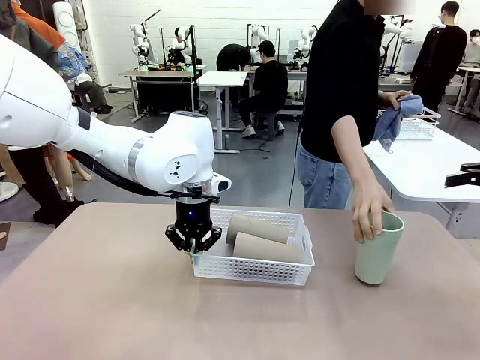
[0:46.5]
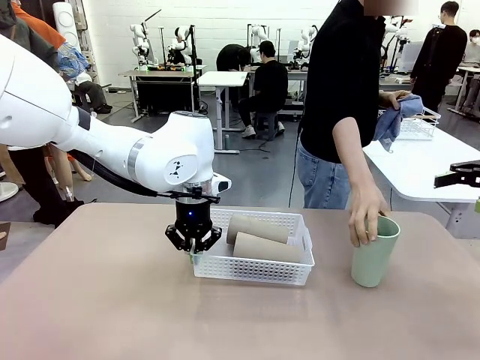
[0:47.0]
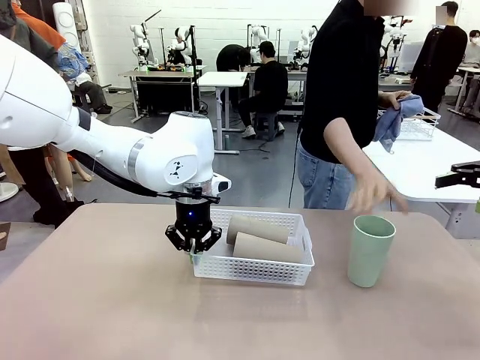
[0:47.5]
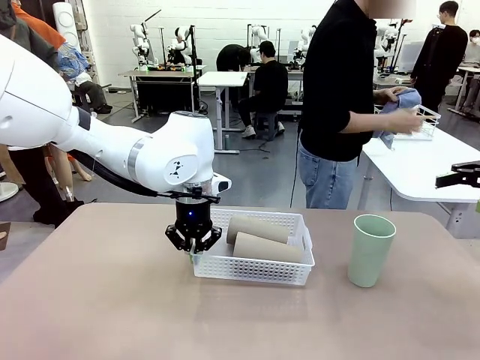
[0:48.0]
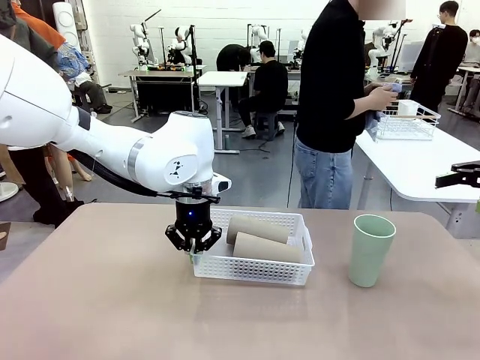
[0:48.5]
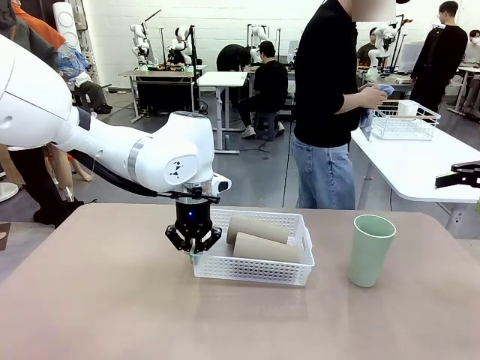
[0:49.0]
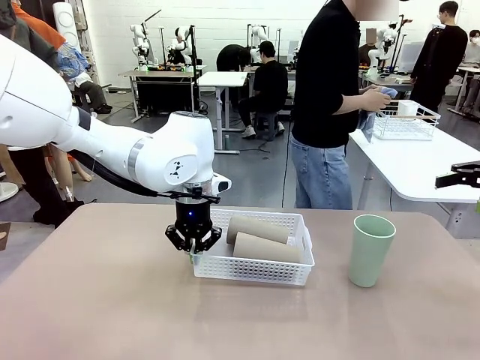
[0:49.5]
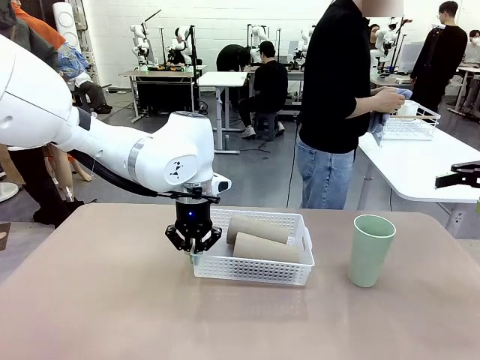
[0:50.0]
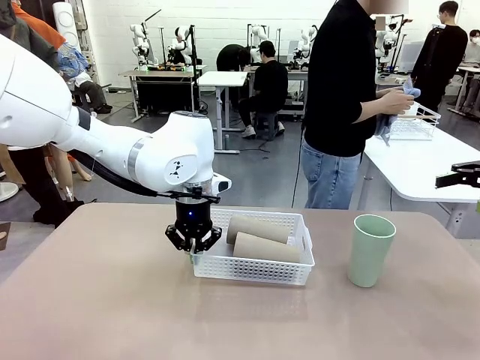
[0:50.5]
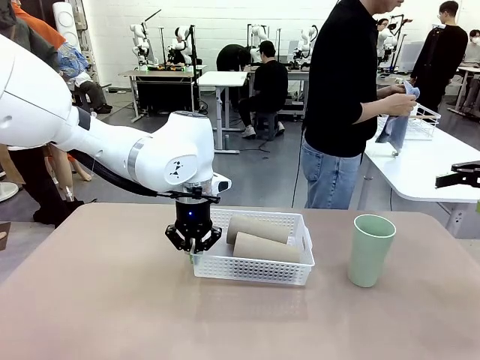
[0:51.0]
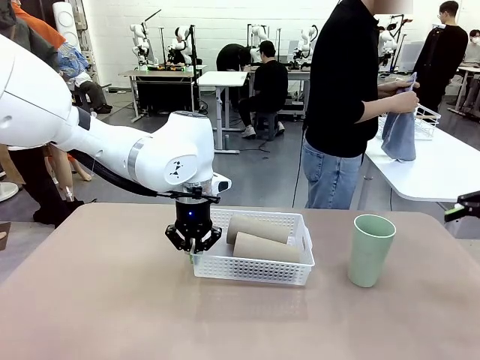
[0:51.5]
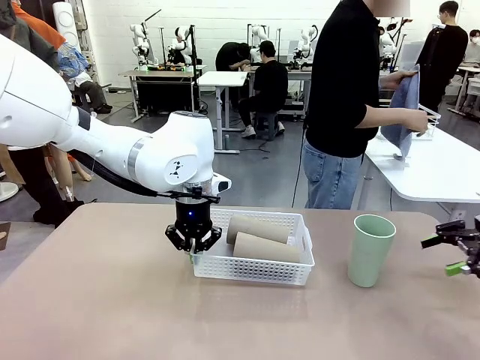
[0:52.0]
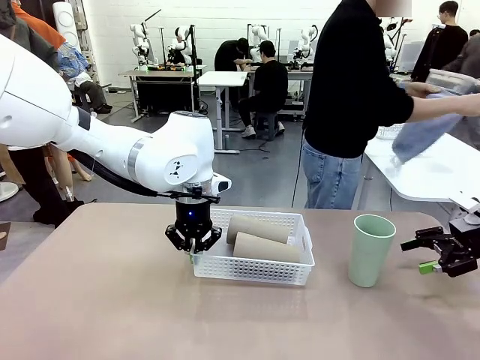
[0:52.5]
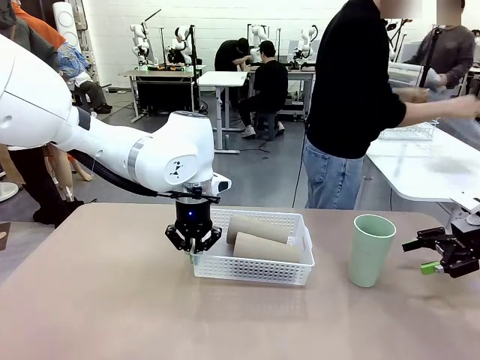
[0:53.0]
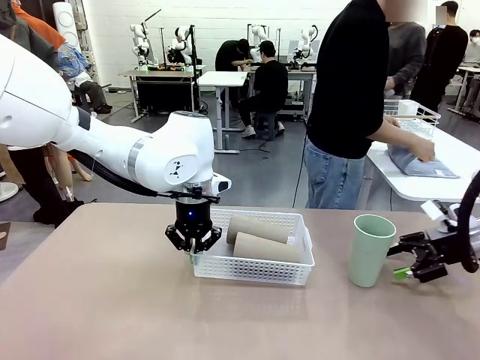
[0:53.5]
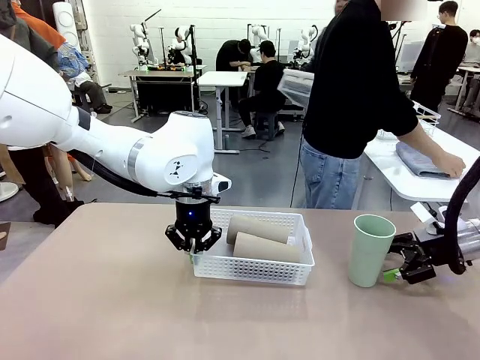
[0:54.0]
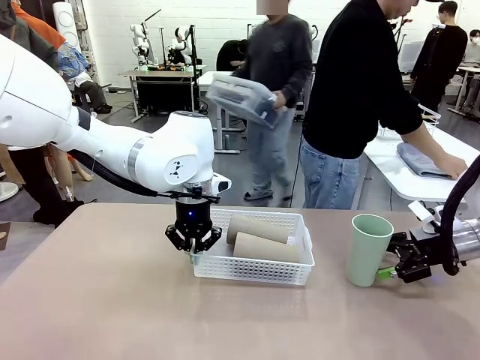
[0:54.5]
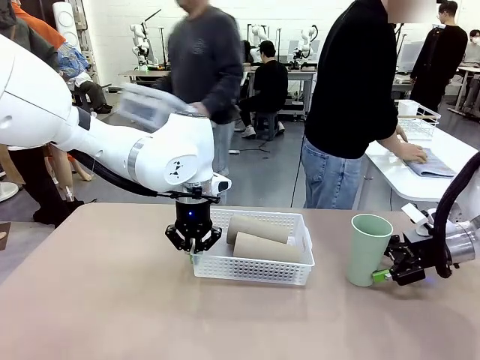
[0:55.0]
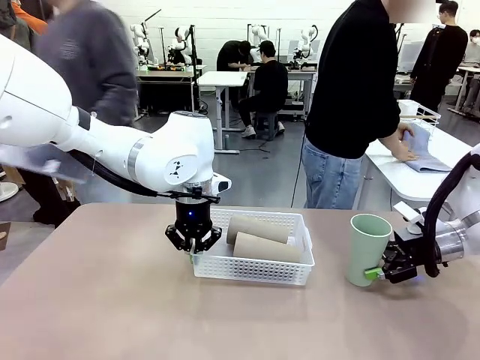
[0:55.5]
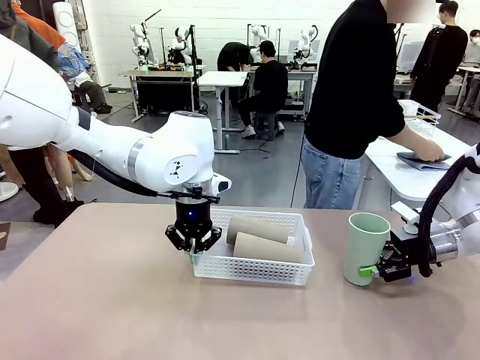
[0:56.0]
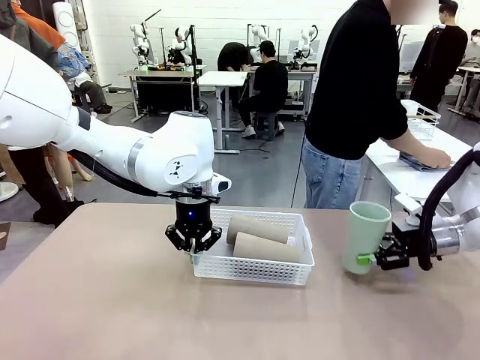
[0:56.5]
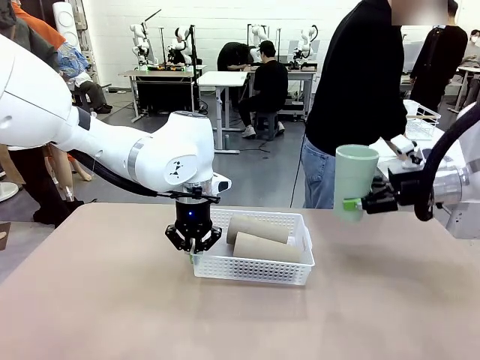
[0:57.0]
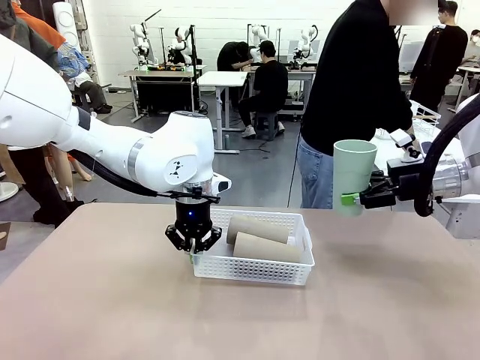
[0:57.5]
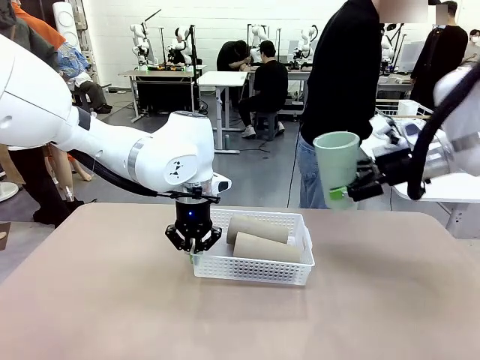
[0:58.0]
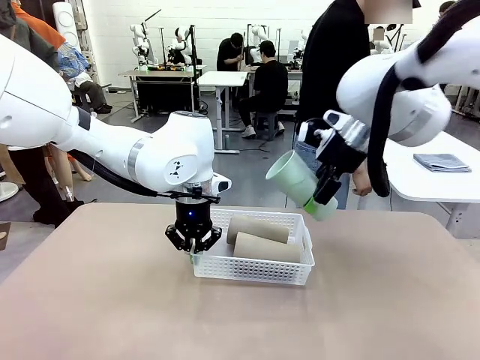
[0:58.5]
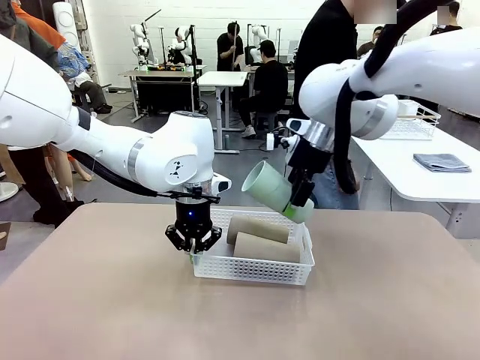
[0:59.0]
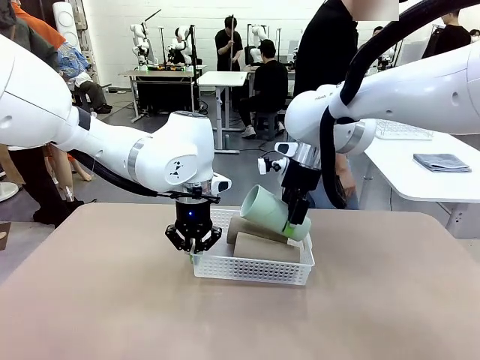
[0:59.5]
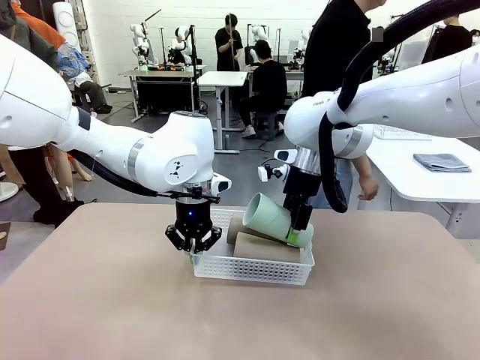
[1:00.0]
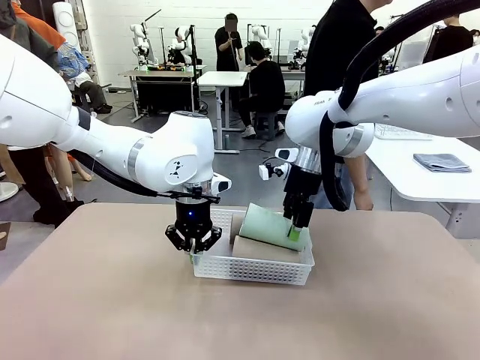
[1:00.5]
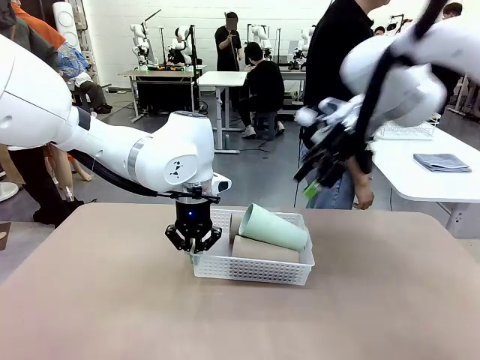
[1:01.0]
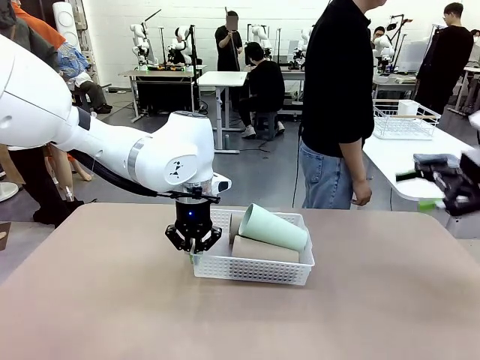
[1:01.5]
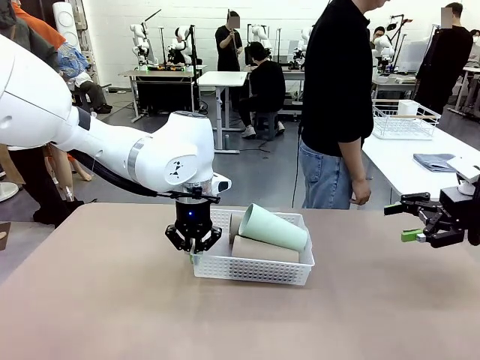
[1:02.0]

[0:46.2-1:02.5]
Task: Clean and organize the cups into the basket.
Robot: Pick up the Reusable plastic cup from the right side of the table and stack it inside the Organizing basket in the center of the table.

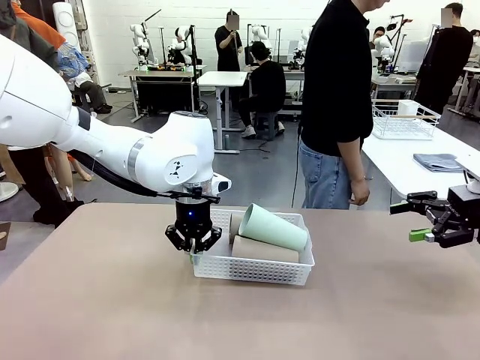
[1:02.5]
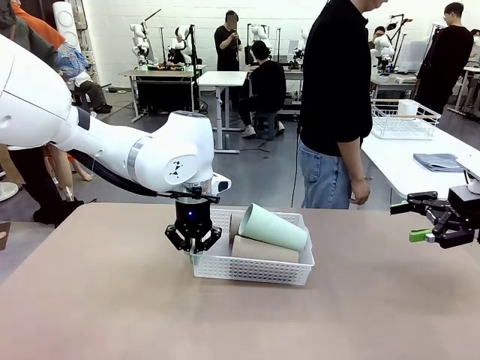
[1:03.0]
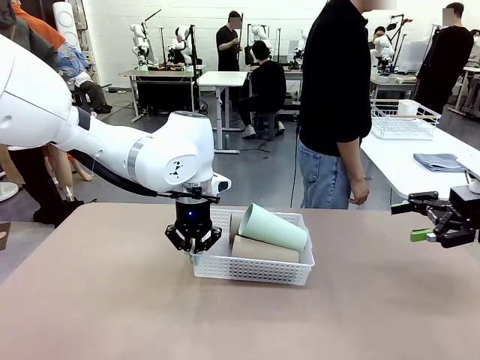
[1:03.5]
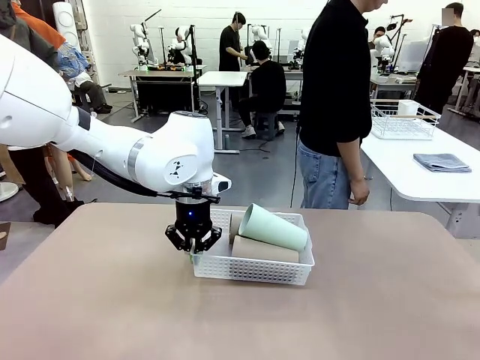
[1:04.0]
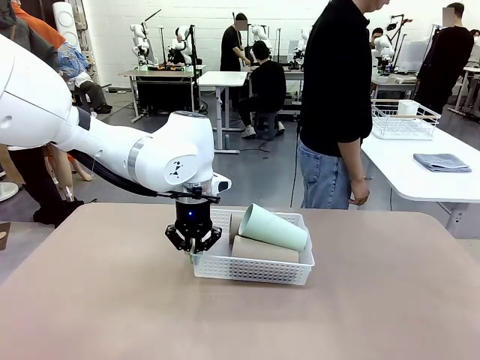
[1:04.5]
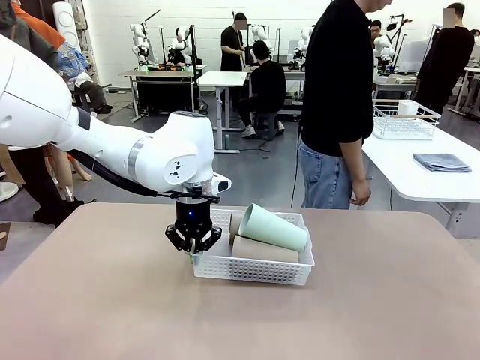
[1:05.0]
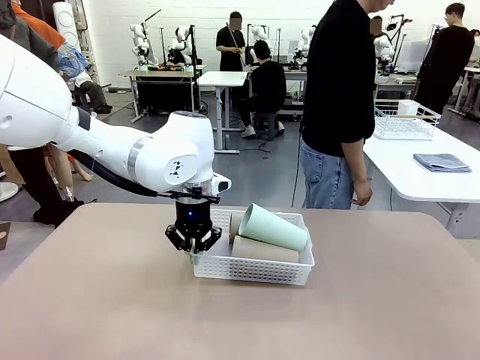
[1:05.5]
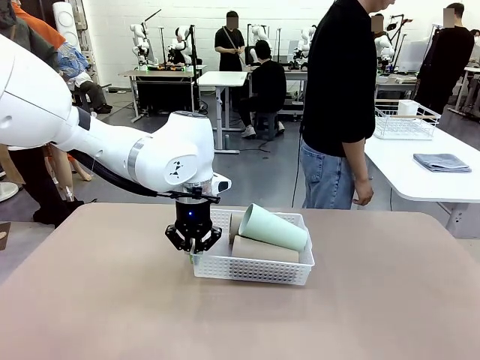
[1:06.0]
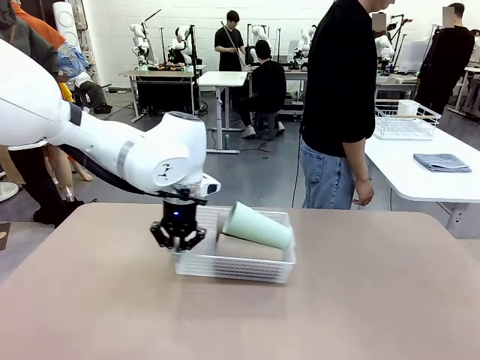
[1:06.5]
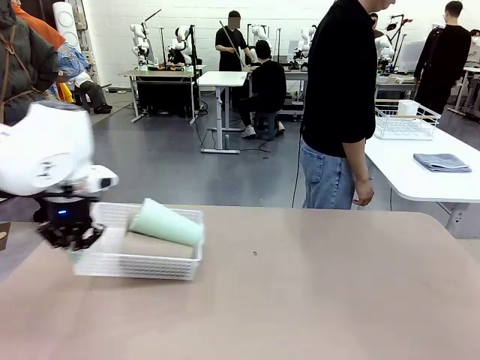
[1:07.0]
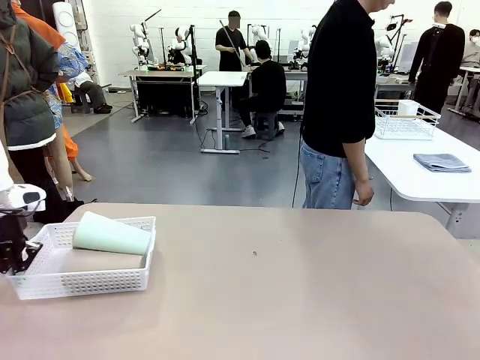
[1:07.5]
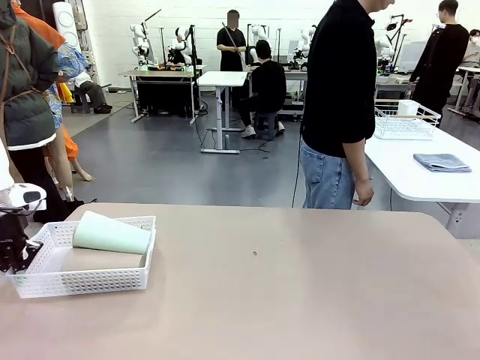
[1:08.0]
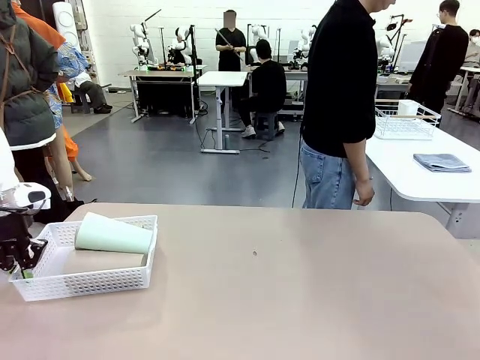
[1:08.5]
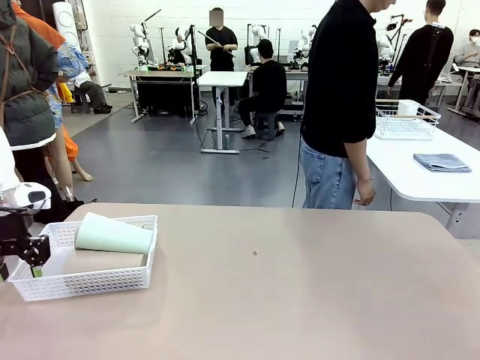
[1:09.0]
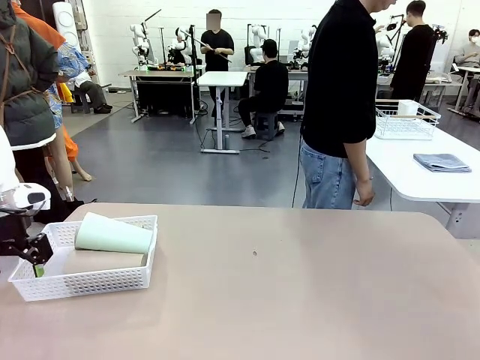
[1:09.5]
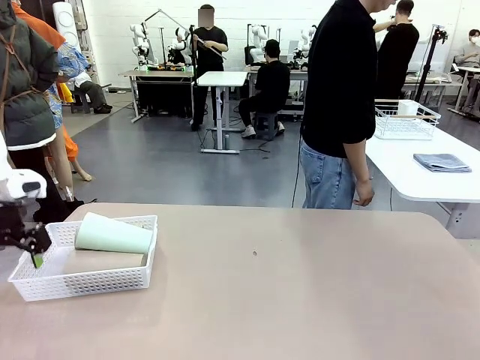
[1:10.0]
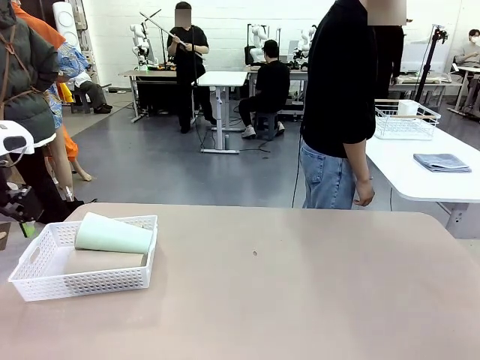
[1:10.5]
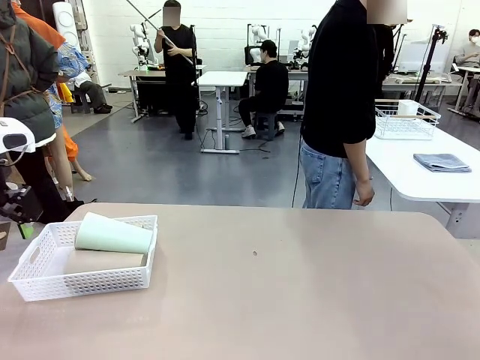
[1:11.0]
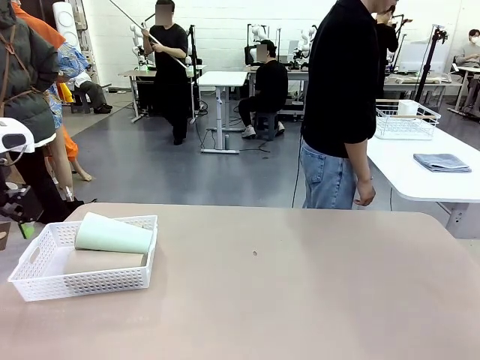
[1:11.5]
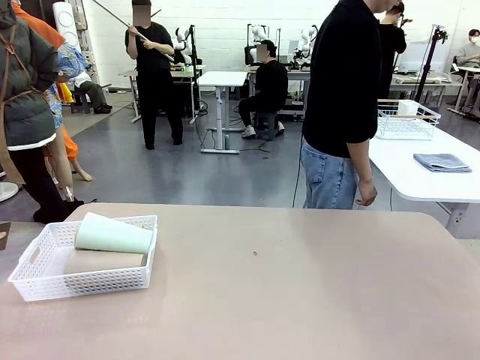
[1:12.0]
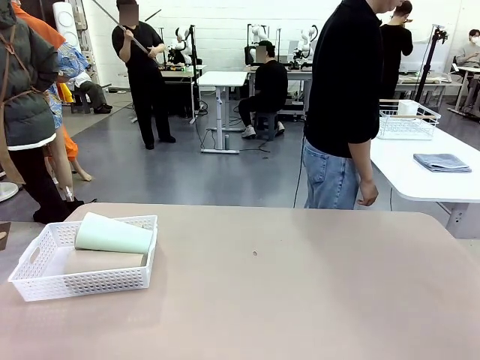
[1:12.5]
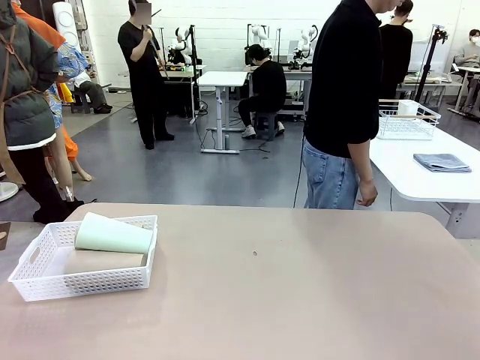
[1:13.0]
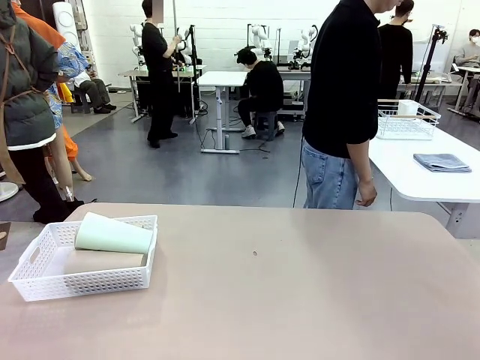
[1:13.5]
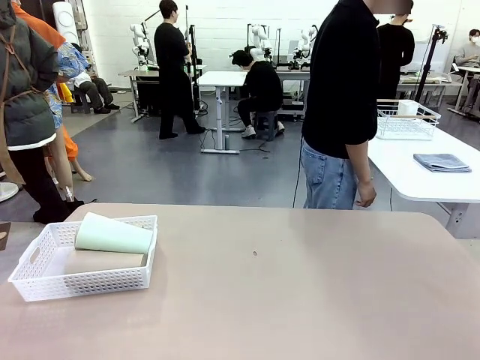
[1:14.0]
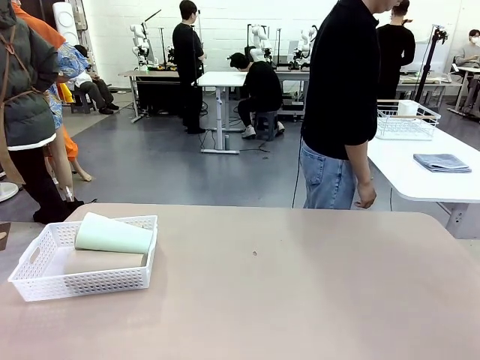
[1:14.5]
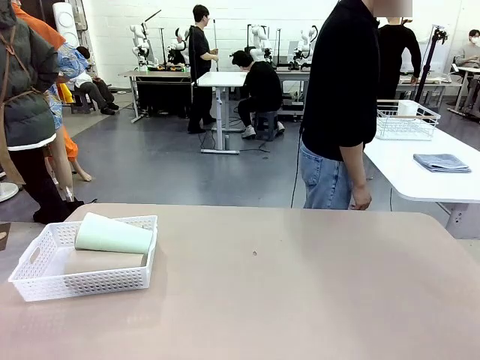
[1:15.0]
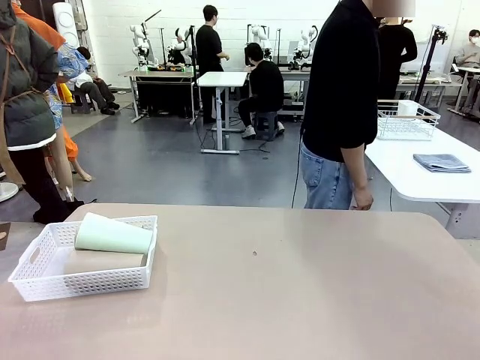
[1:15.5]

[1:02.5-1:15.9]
Robot: Move the Organizing basket back to the left side of the table.
Person: Folds the towel in half twice and places it in the right of the table.
